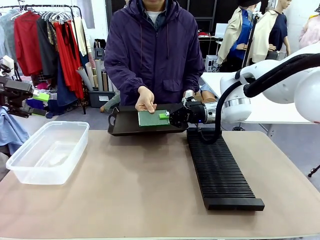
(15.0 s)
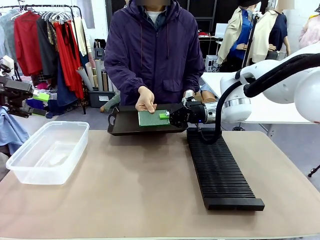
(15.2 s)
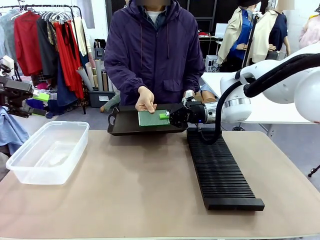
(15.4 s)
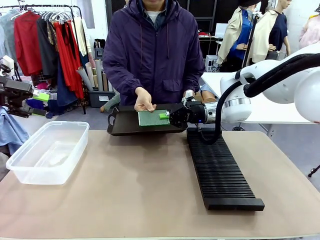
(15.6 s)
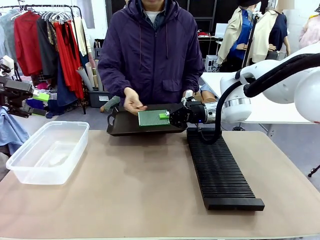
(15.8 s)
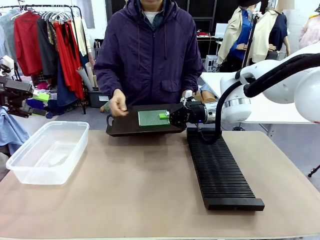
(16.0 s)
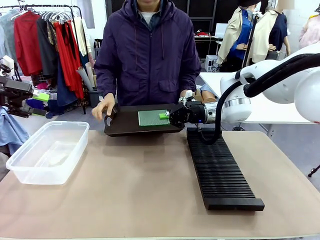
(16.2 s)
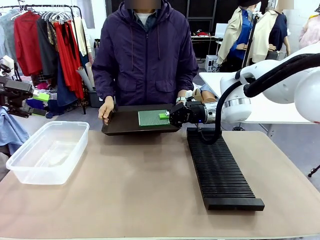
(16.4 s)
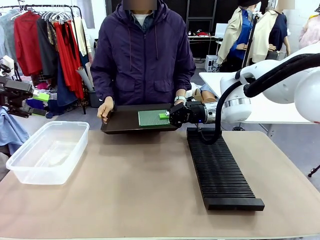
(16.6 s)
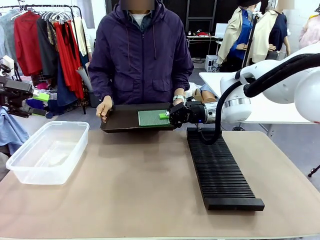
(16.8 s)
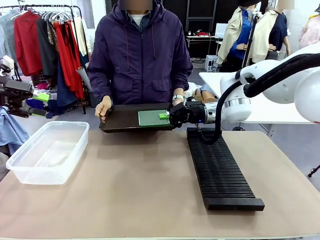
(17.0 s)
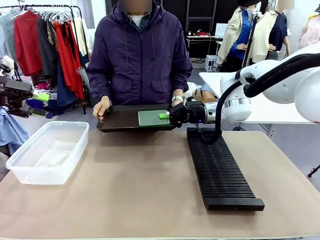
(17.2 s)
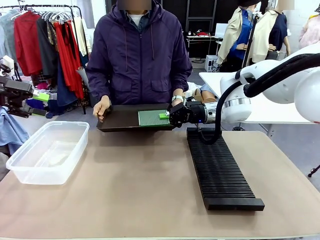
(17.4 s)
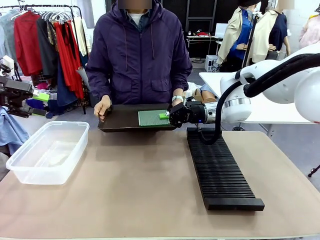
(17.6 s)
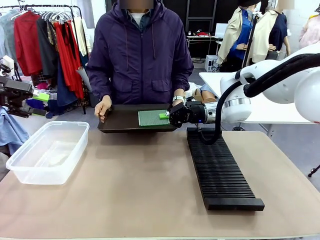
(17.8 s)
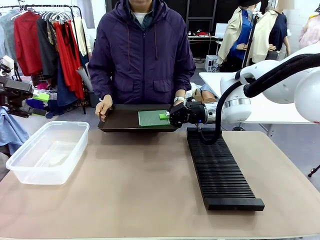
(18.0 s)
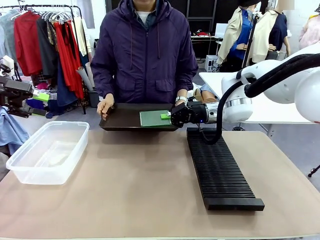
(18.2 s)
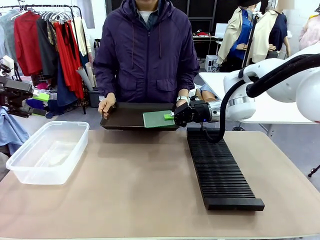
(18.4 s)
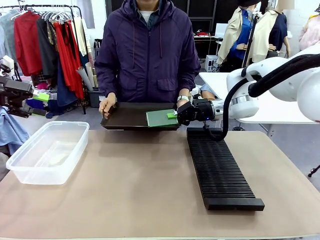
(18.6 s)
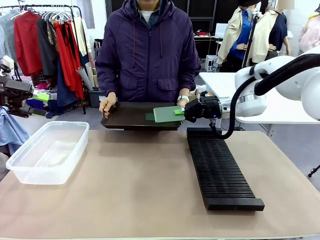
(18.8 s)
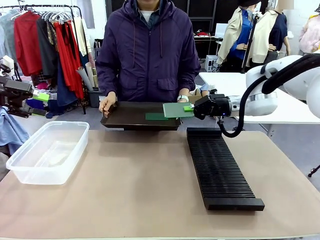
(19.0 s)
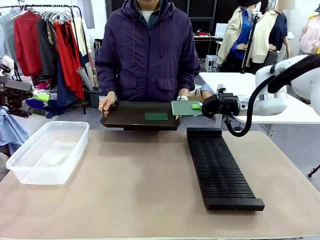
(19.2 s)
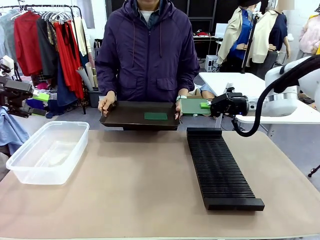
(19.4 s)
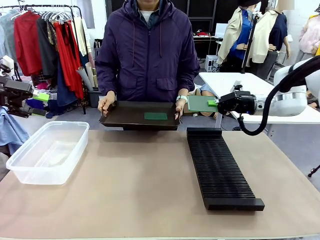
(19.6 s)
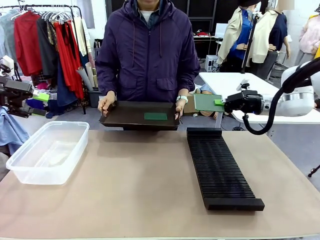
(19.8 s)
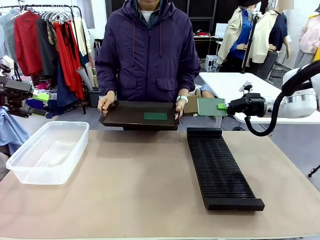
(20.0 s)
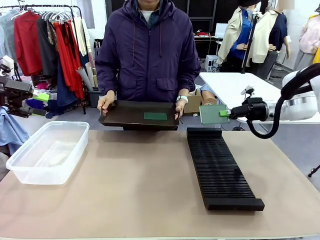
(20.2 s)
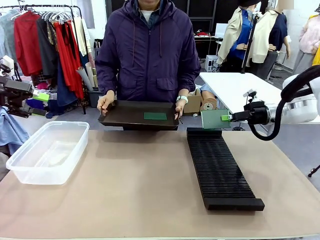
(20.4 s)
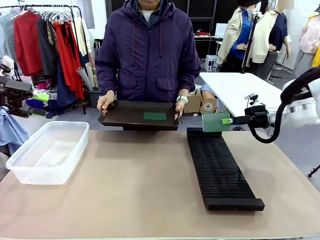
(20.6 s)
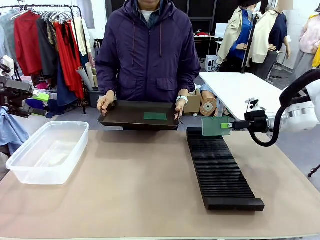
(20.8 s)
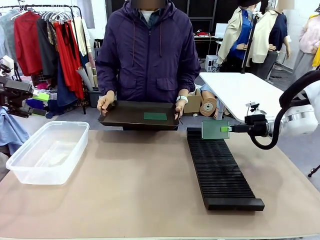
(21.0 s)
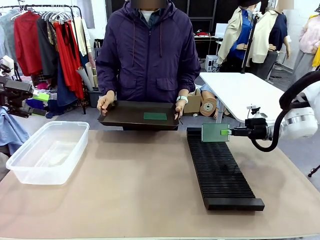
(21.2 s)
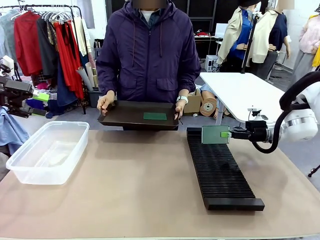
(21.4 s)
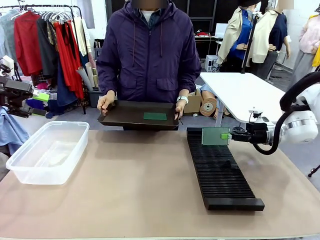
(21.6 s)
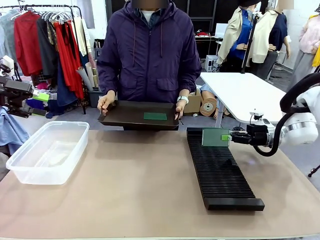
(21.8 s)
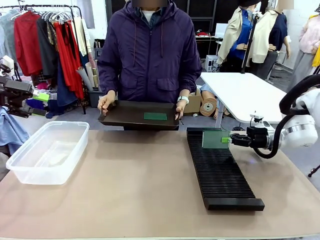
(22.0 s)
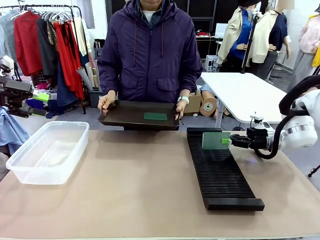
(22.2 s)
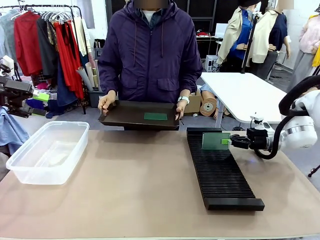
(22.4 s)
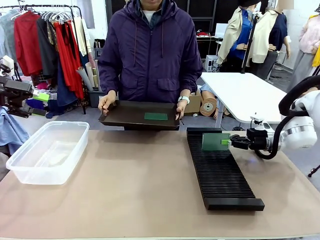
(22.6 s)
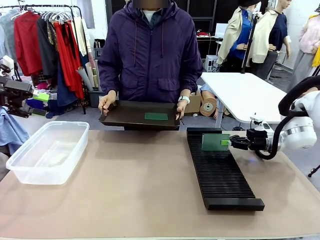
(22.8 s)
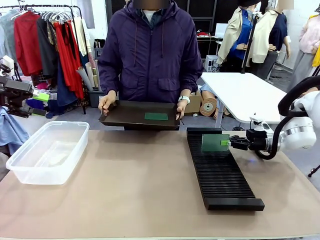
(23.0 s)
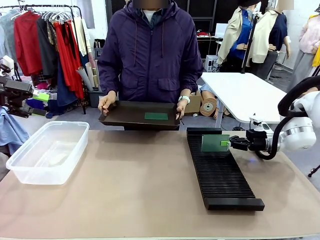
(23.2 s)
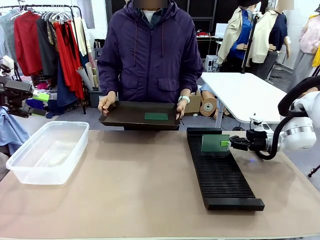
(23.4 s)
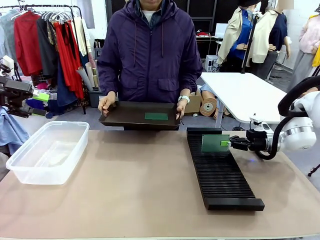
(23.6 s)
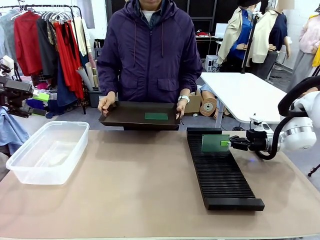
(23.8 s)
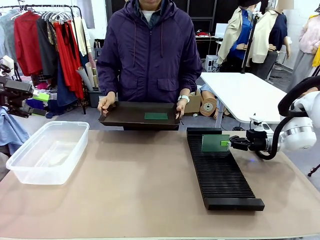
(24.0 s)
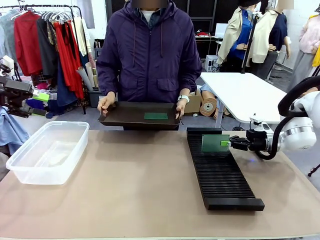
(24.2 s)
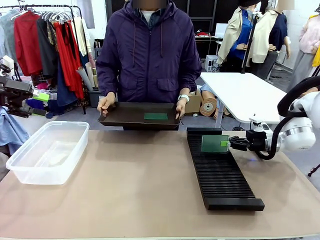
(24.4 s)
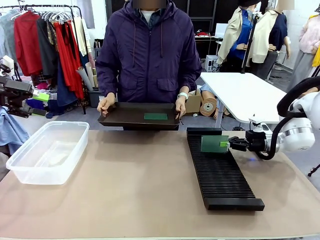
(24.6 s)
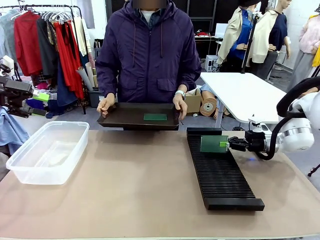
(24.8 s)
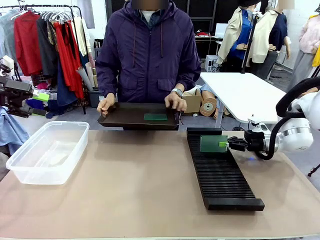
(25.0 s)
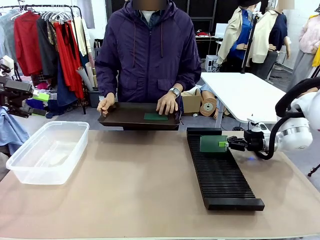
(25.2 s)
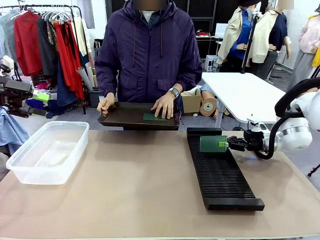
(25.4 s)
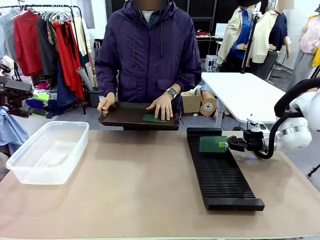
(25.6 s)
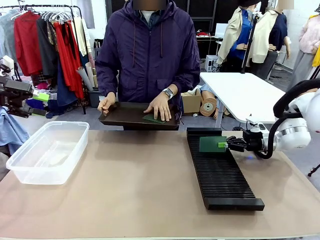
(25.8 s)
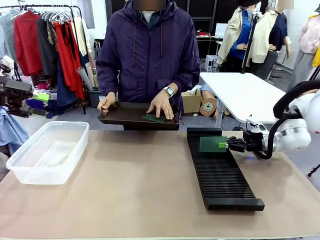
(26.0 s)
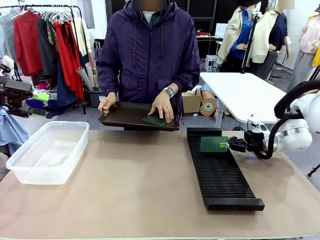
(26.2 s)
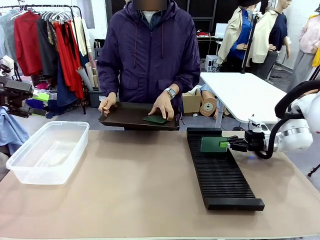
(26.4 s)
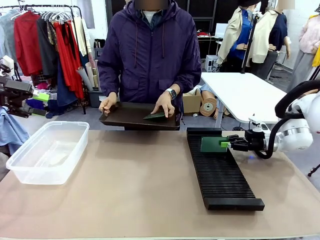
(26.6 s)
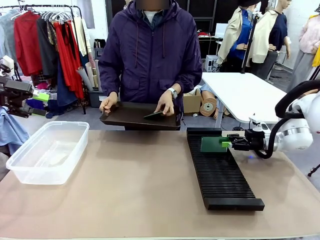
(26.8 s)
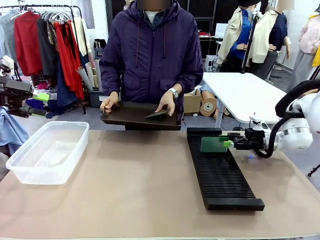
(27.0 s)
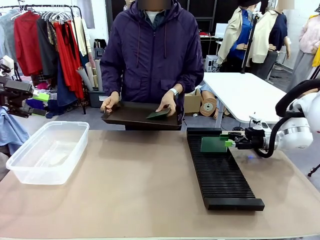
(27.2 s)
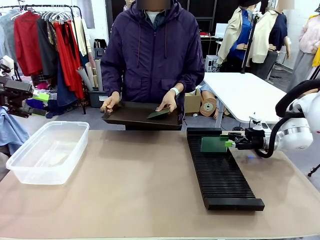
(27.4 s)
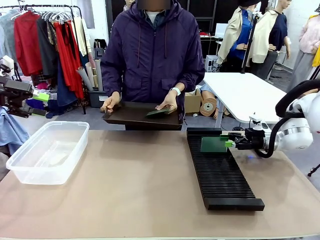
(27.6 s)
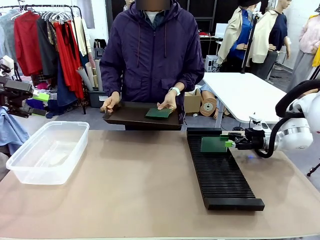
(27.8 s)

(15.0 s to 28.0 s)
Task: Sort PCBs into racks and boxes based on the side picked up.
Robot: If the short side of the Blank PCB is picked up, insert it into the PCB Rack ; if the long side is picked up, place it in the Organizing box.
Person: Pick one PCB from the tray and present it to the robot.

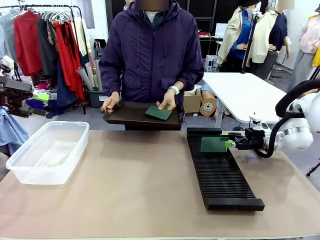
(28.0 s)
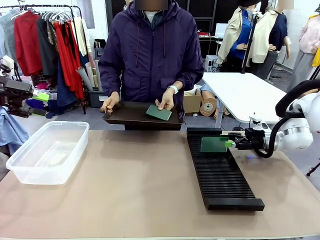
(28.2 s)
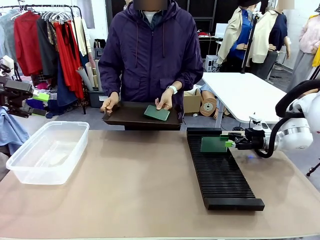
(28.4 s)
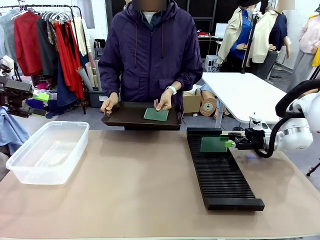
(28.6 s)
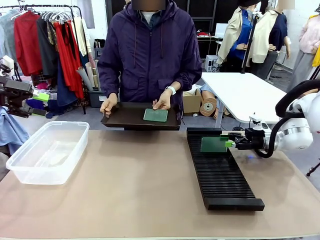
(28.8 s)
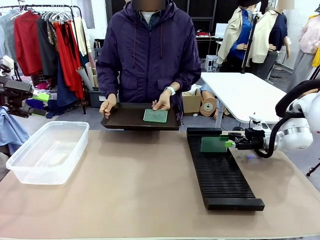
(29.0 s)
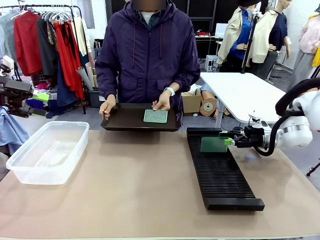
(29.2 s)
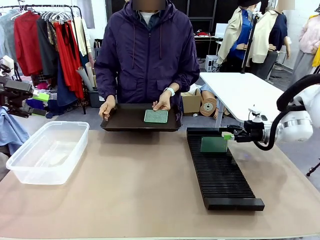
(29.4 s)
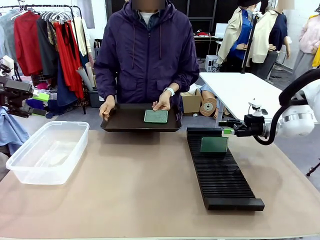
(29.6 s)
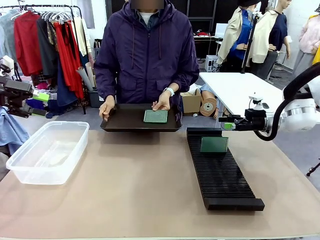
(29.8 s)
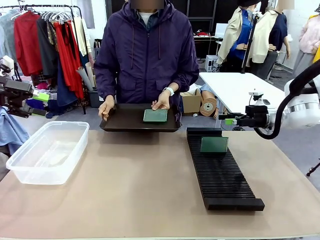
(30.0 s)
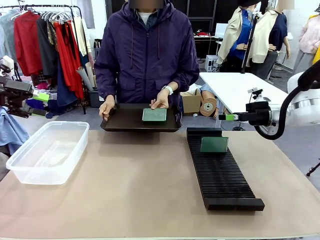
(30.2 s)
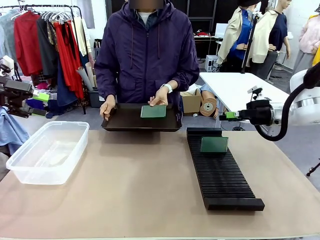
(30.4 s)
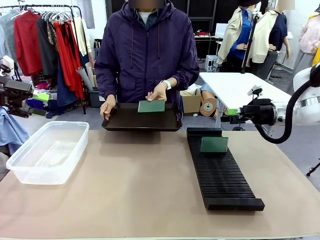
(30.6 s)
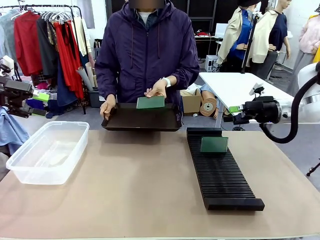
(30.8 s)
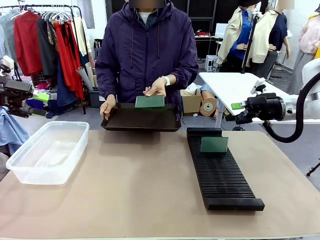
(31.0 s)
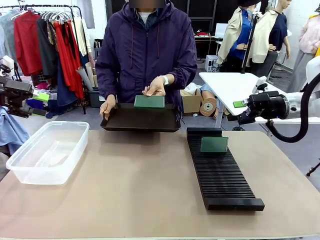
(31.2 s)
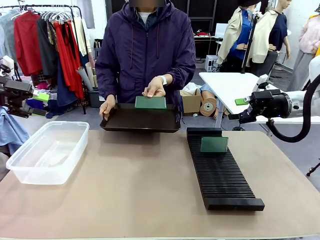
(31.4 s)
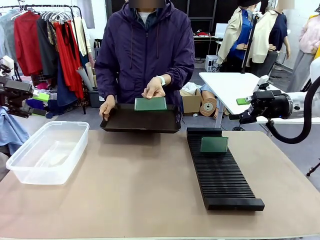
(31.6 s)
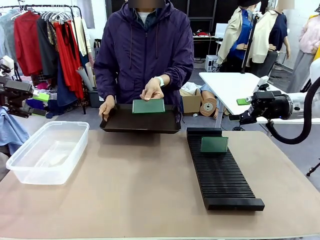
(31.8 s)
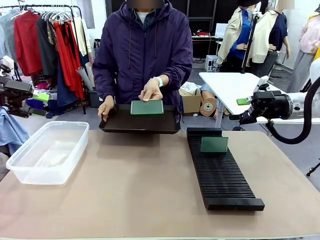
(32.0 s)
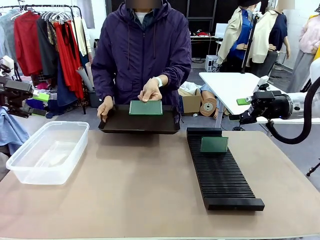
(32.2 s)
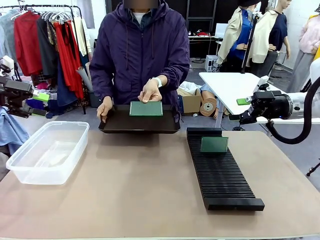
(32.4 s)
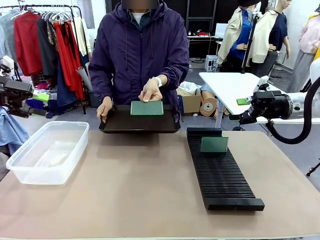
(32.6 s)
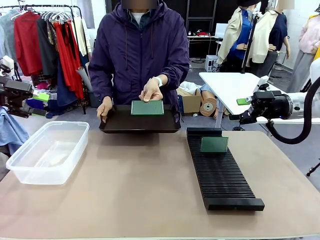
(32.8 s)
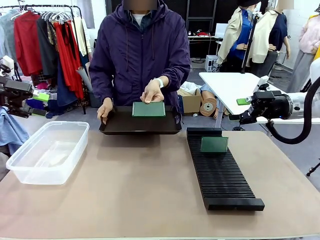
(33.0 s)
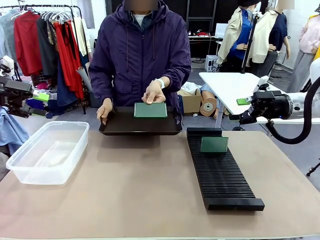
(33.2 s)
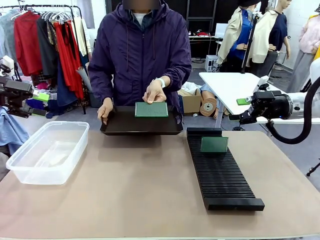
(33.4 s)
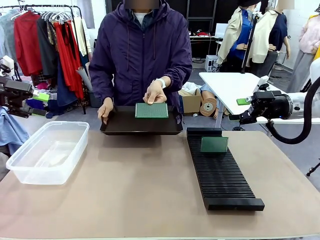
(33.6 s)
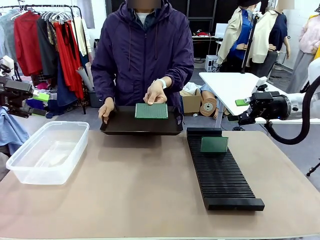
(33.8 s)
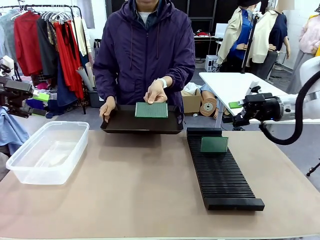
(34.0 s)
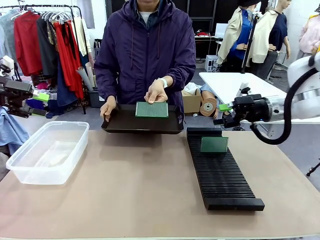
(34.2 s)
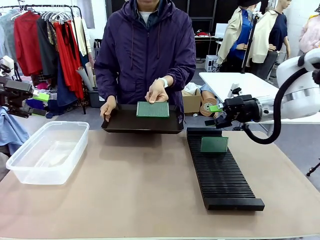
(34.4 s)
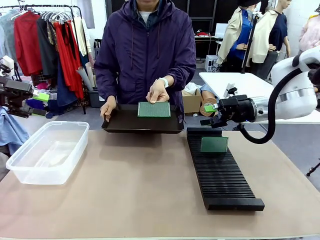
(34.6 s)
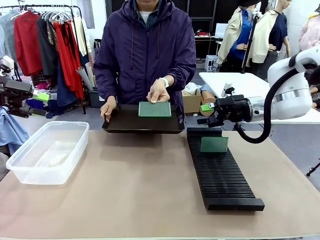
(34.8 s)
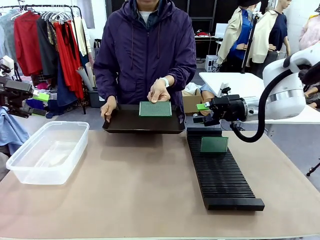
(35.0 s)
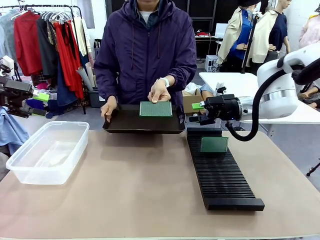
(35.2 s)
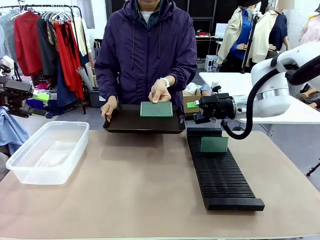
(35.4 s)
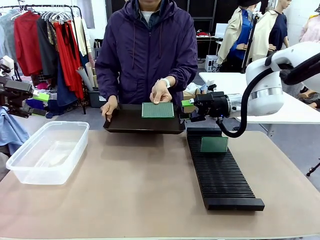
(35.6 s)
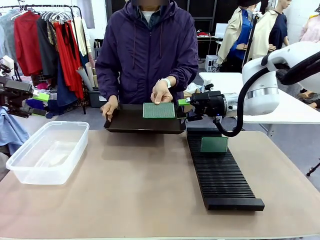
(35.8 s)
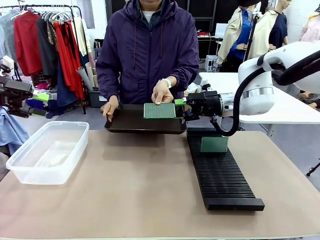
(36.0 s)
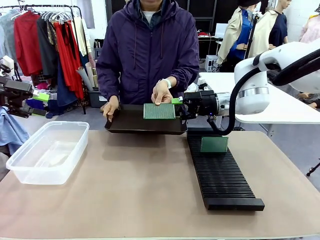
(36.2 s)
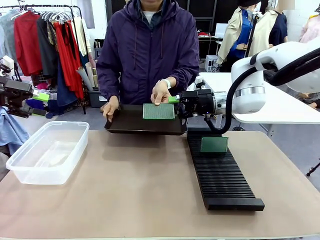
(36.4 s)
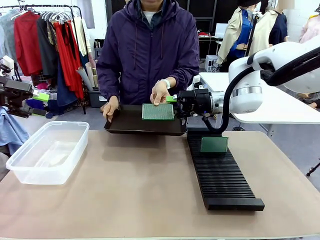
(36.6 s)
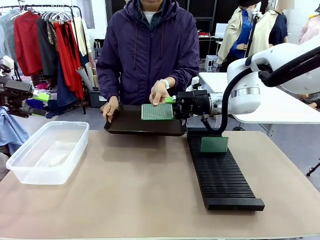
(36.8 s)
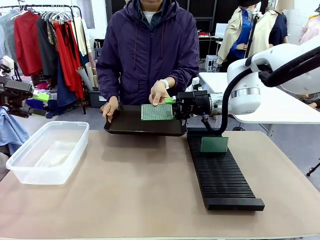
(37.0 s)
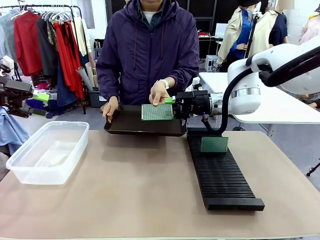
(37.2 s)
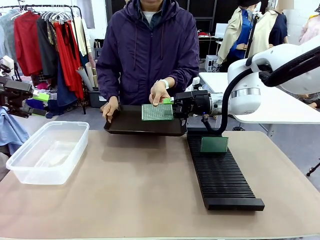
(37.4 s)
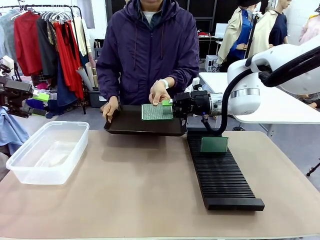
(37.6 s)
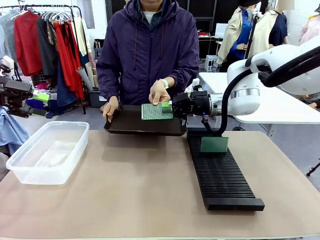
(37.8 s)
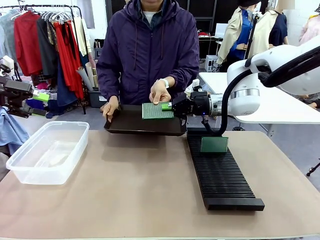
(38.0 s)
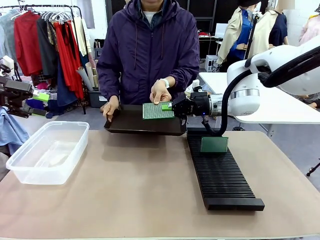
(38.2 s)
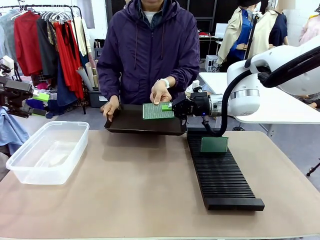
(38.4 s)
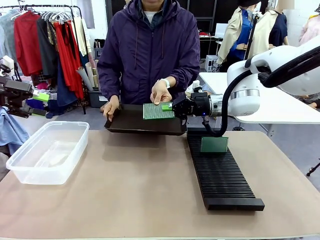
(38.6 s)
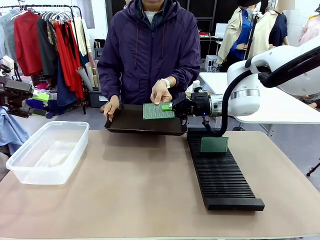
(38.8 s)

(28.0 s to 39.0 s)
Robot: Pick up the Blank PCB handed by the Human.
